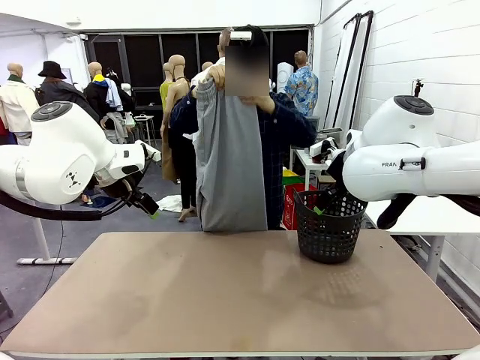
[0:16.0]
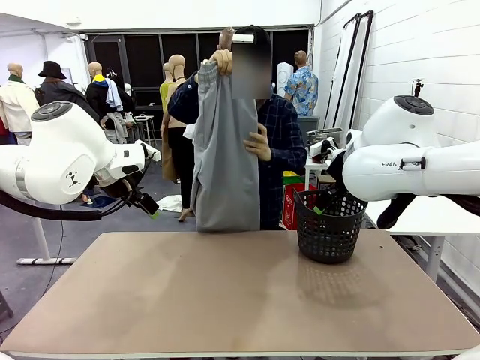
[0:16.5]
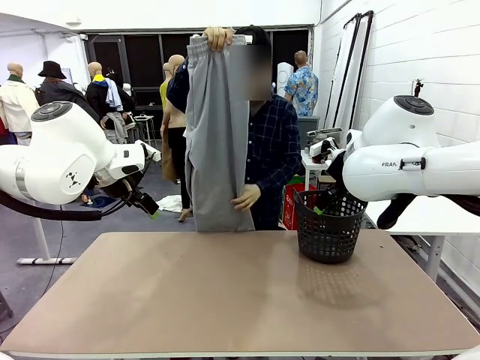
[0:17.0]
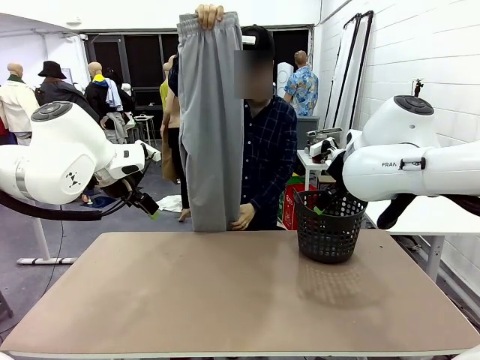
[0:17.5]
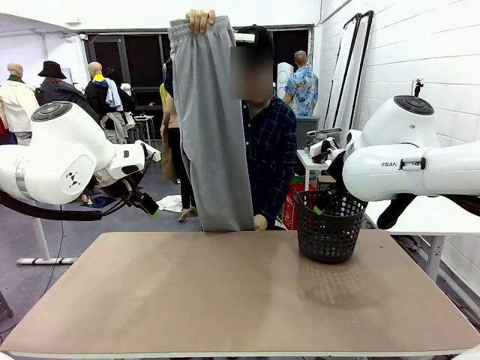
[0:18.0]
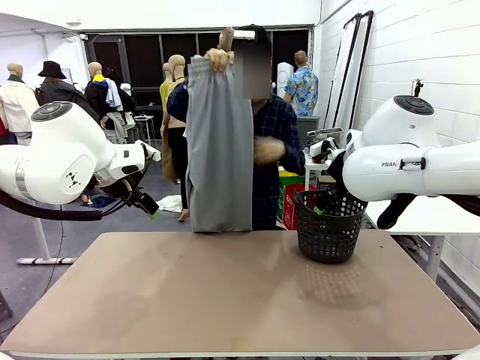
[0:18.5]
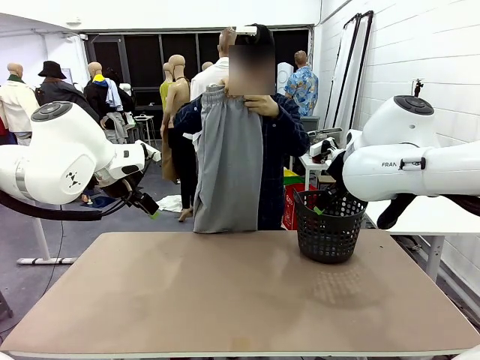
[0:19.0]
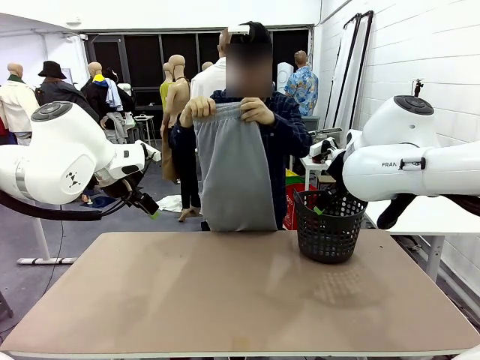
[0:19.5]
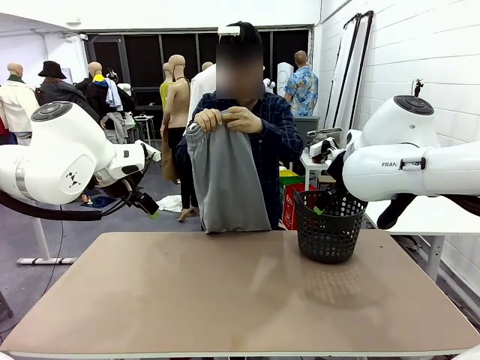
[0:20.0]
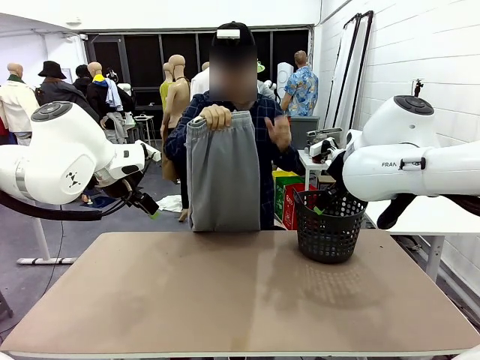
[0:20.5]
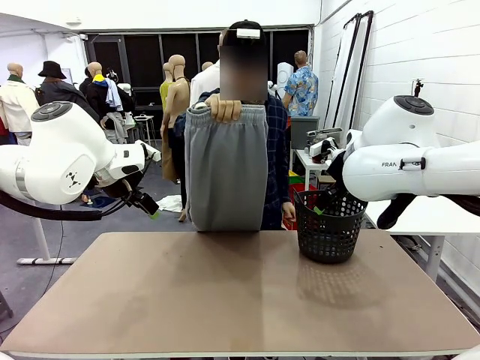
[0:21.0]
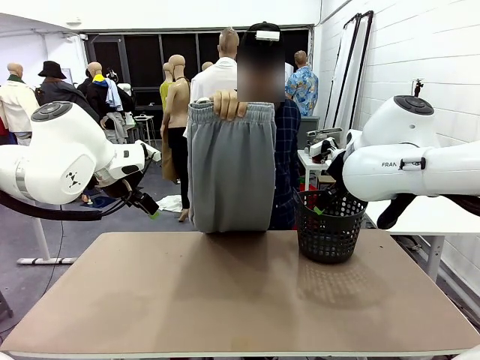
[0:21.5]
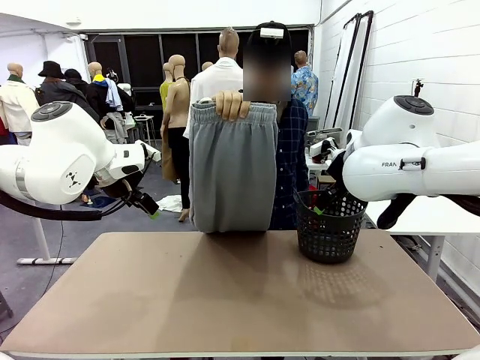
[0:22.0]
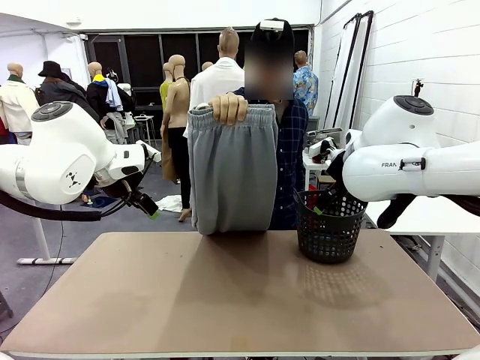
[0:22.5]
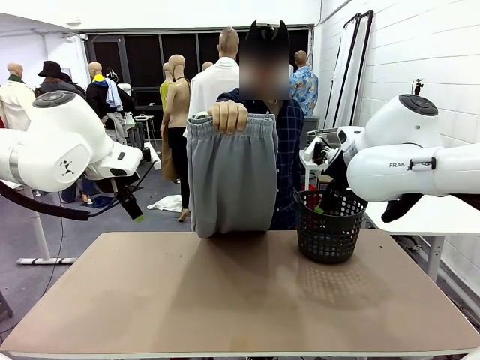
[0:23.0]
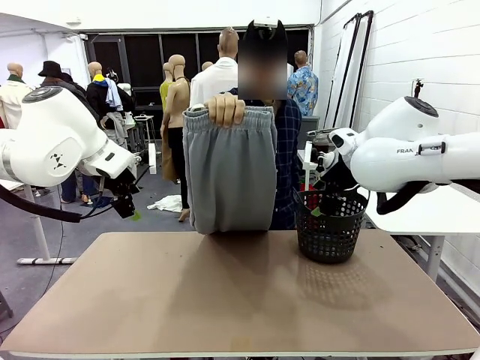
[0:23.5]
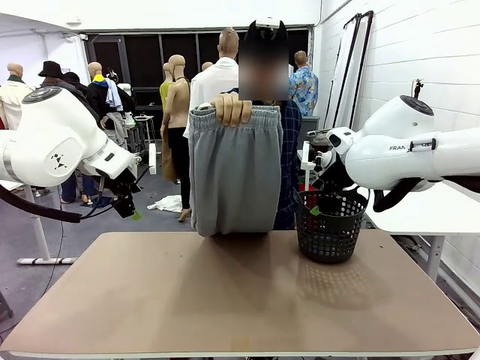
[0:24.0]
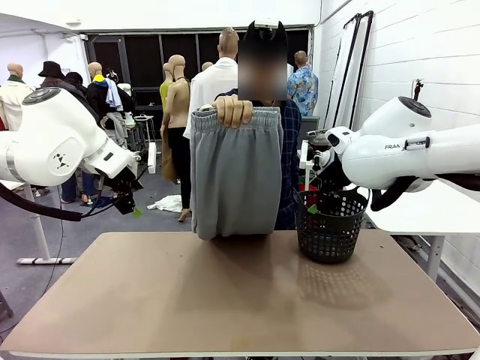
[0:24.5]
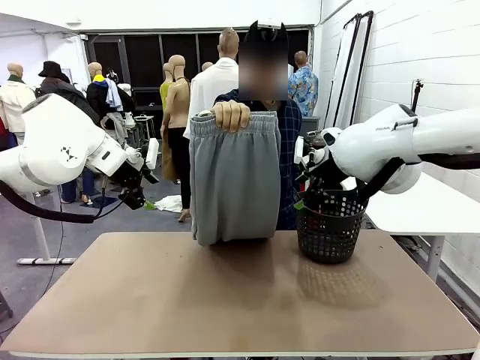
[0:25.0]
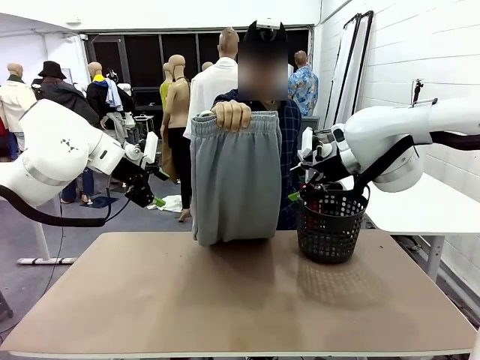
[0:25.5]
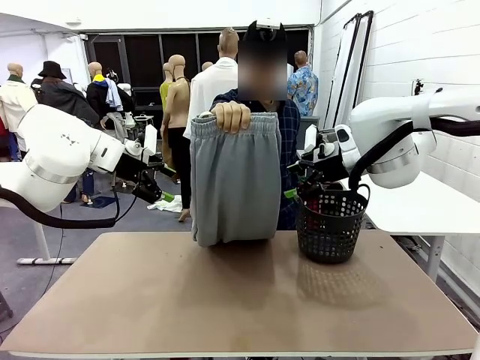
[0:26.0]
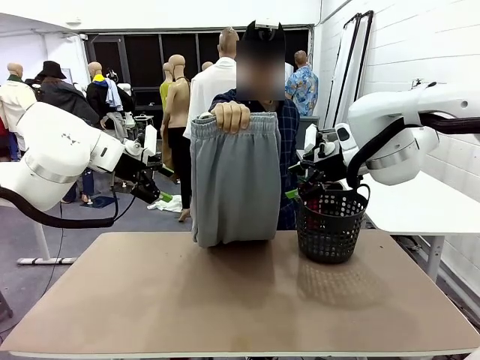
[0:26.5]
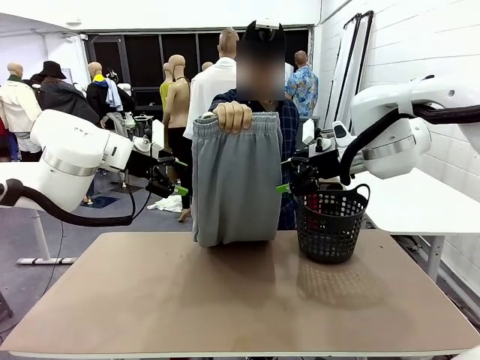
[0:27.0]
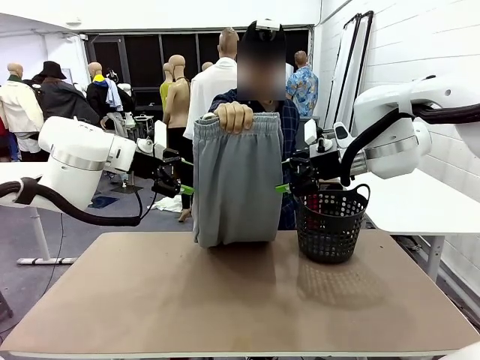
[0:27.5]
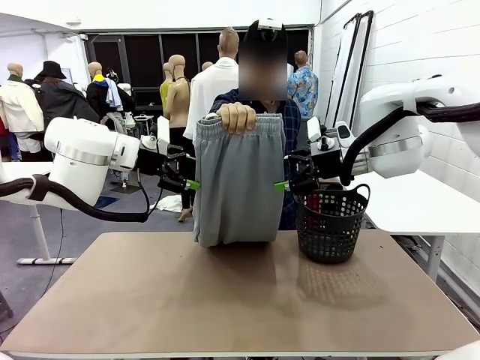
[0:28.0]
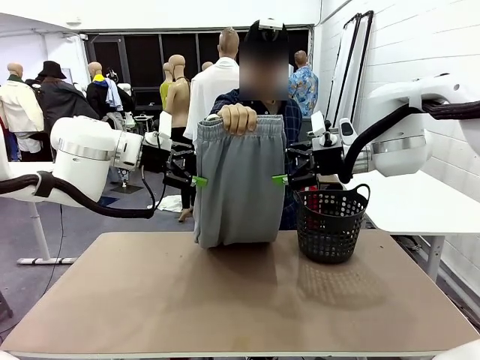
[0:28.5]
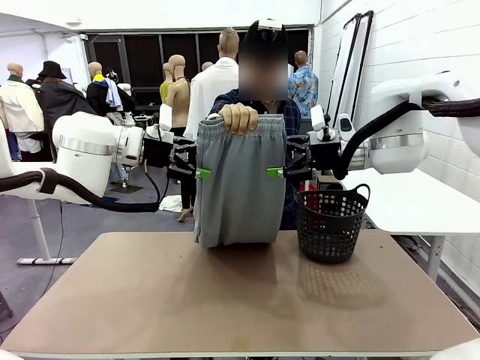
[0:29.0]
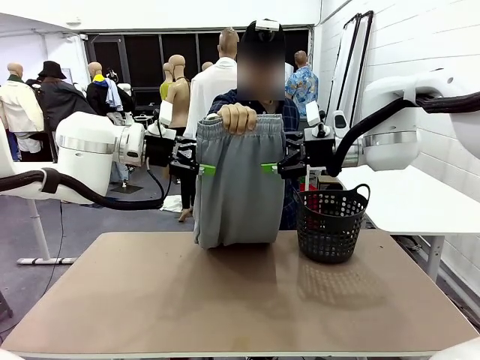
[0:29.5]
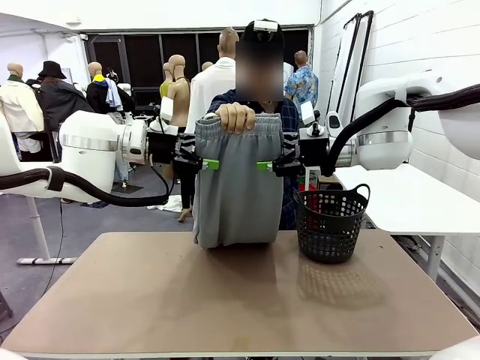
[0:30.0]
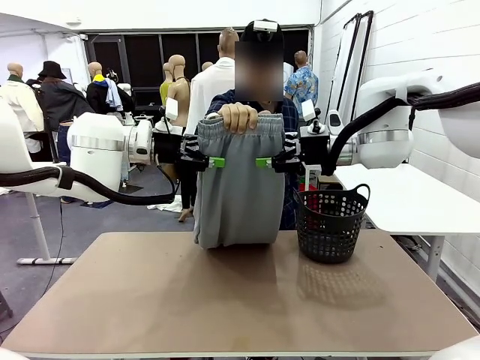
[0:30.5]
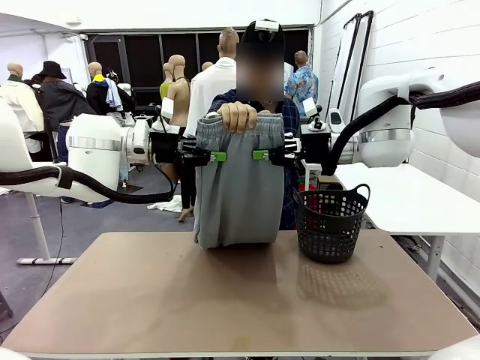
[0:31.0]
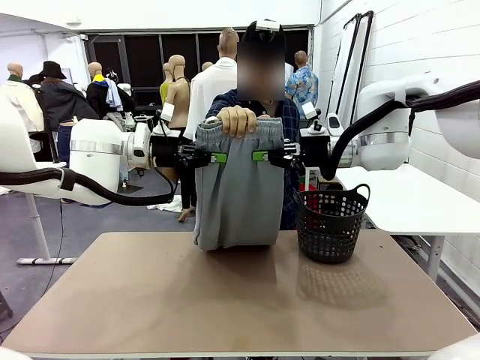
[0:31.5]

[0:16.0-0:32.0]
Task: Fold the training pants.
Robot: Grab both ends of the Training pants handed by a person.

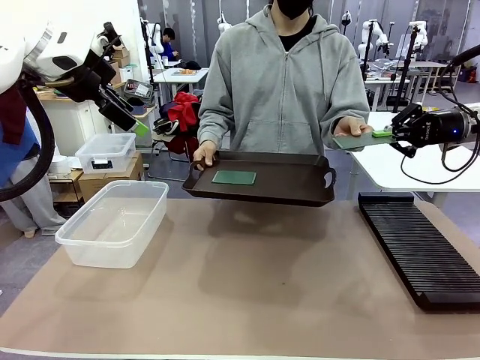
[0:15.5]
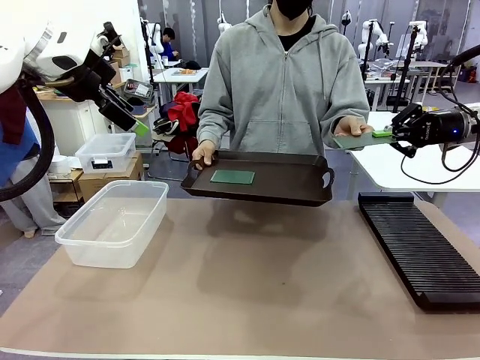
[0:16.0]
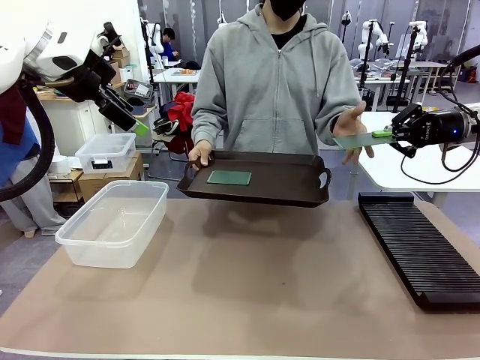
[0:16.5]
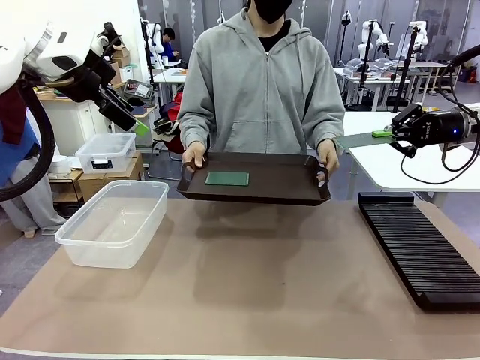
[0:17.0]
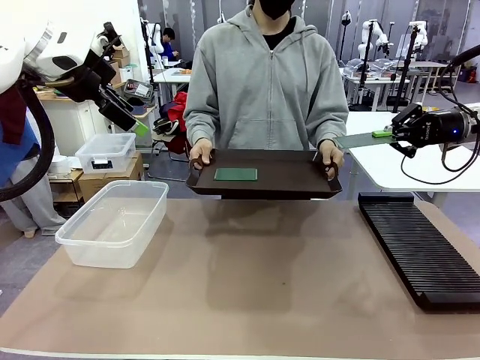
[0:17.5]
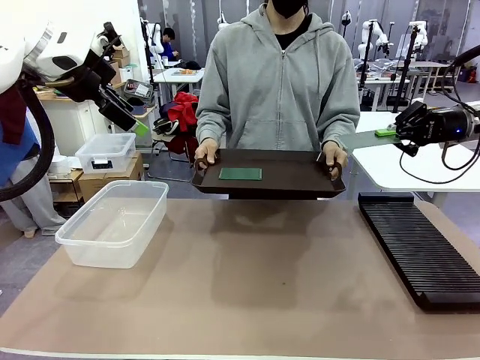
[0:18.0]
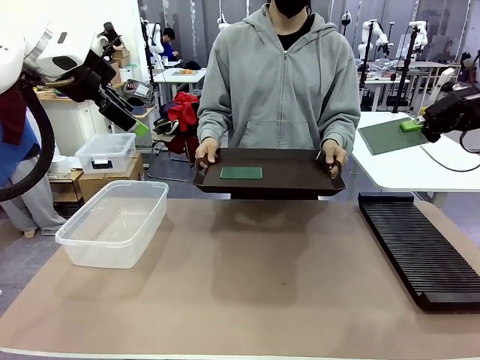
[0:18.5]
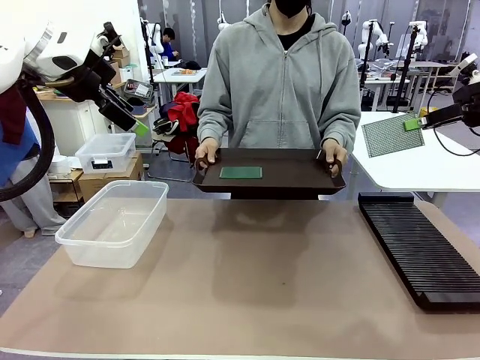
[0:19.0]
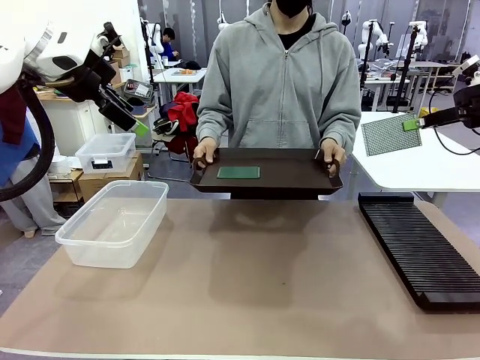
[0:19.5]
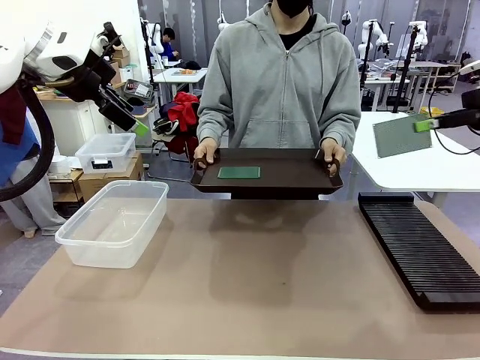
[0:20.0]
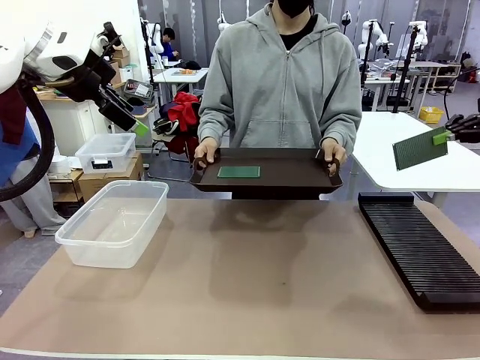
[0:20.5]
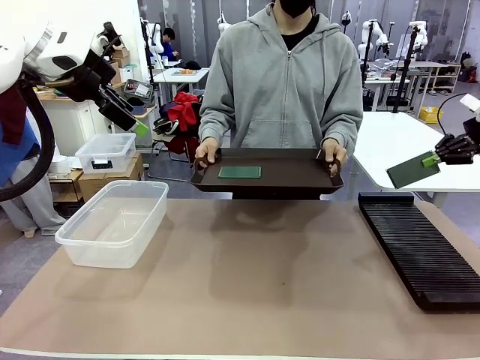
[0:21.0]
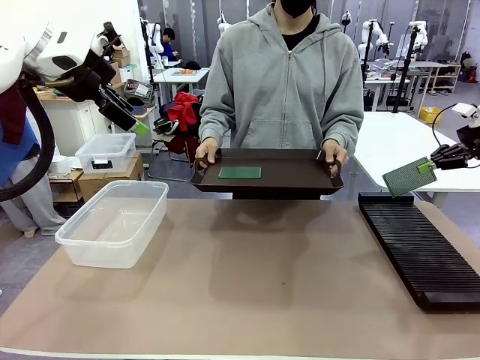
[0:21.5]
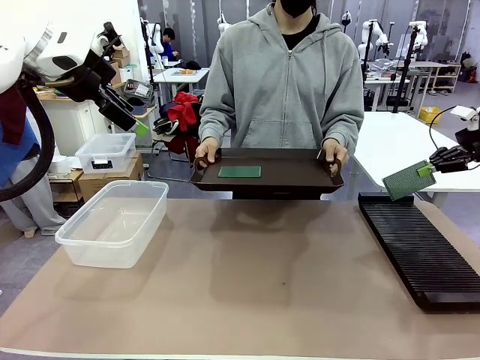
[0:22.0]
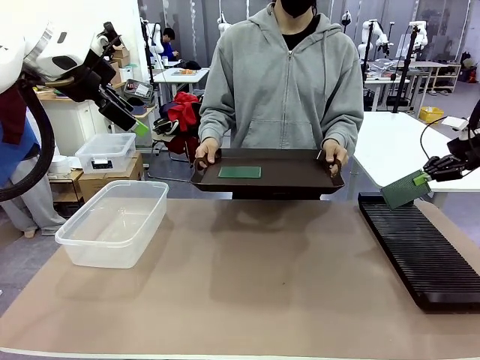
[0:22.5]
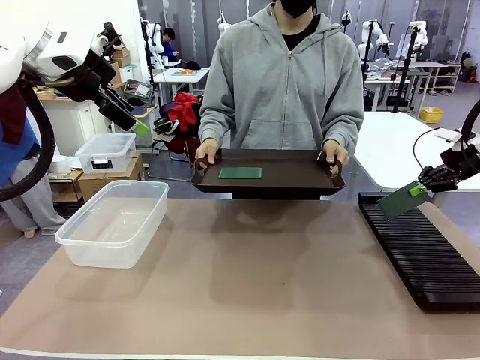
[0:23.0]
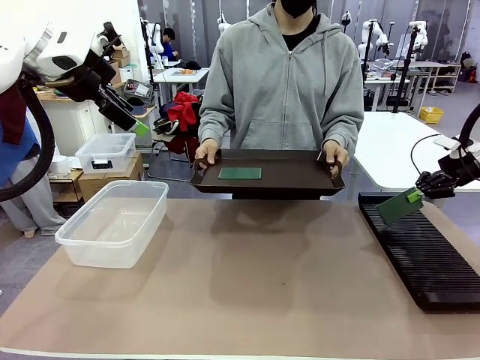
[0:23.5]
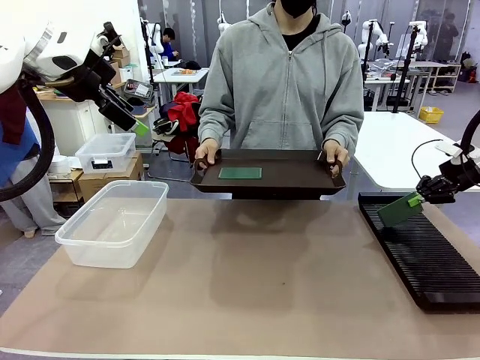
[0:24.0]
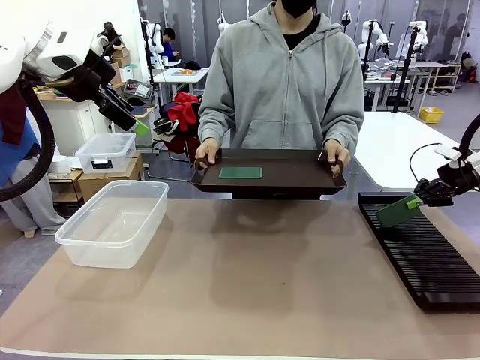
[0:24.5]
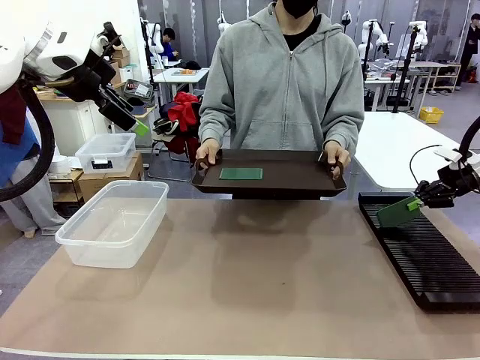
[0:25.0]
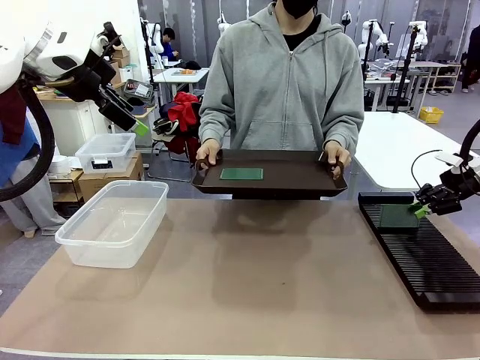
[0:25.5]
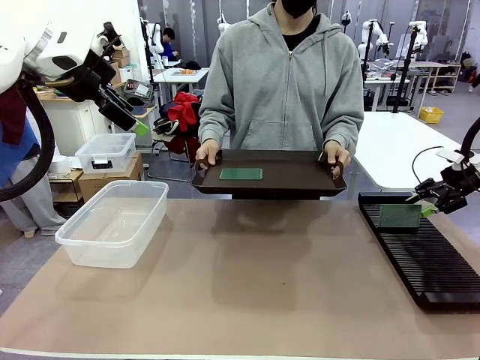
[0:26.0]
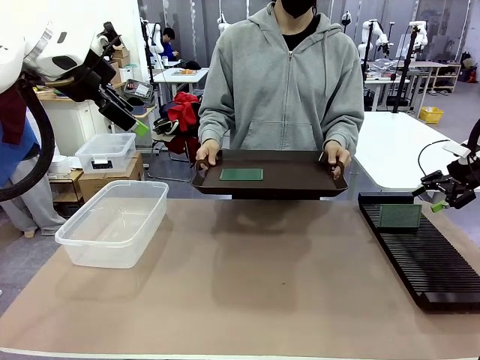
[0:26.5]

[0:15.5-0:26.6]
Task: Sort PCBs into racks and boxes based on the side picked up.
Robot: If the short side of the Blank PCB is picked up, insert it into the PCB Rack ; if the long side is picked up, place it in the Organizing box.
Person: Pick one PCB from the tray and present it to the robot.
